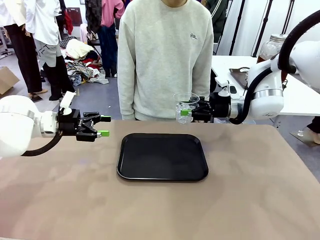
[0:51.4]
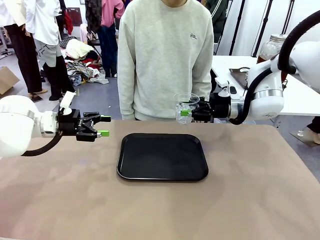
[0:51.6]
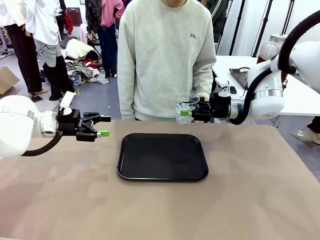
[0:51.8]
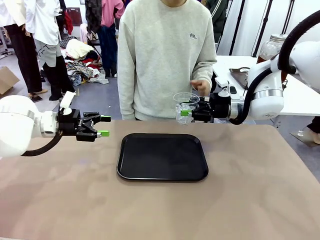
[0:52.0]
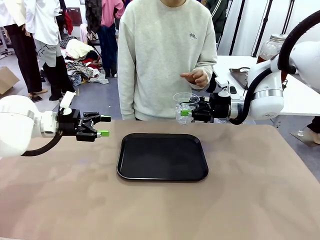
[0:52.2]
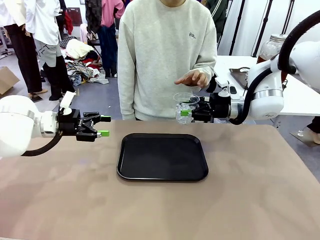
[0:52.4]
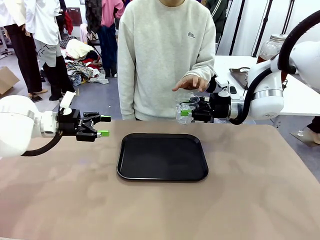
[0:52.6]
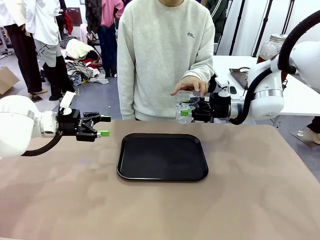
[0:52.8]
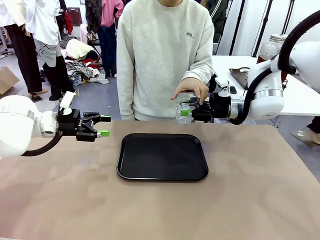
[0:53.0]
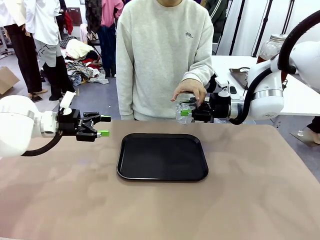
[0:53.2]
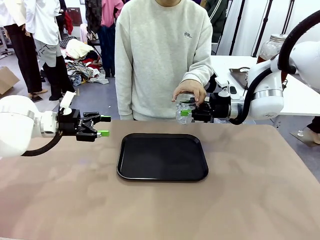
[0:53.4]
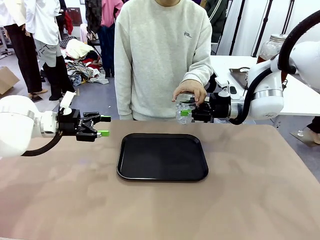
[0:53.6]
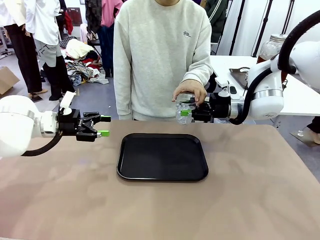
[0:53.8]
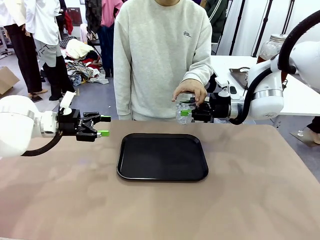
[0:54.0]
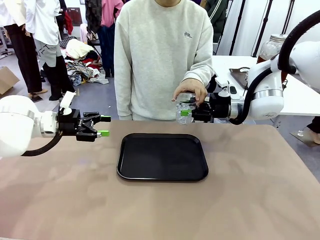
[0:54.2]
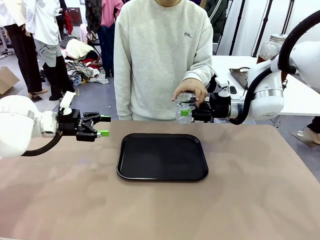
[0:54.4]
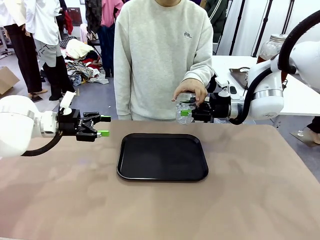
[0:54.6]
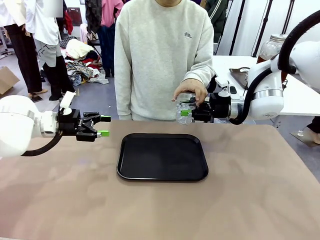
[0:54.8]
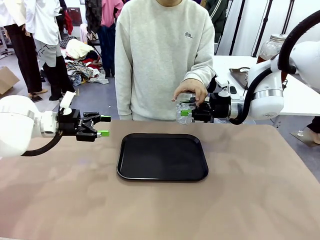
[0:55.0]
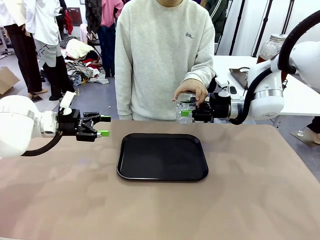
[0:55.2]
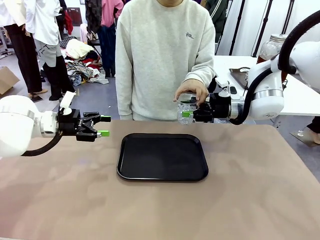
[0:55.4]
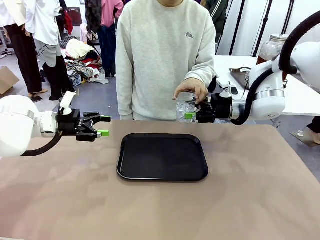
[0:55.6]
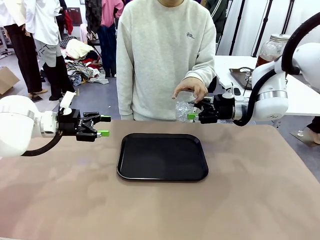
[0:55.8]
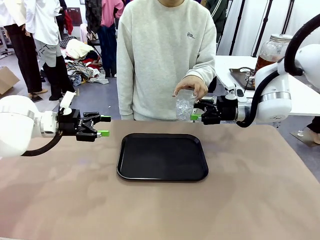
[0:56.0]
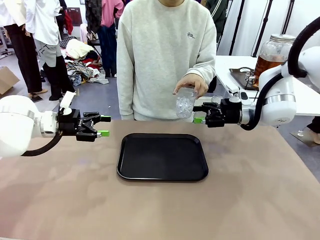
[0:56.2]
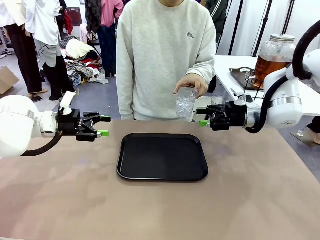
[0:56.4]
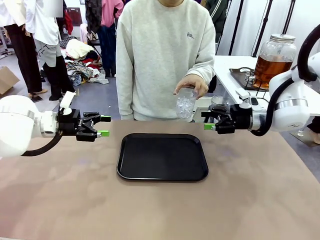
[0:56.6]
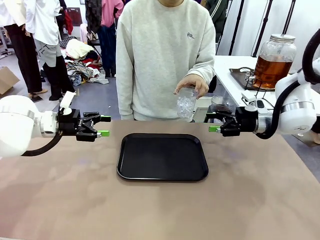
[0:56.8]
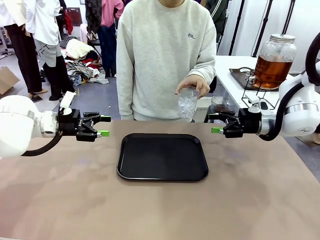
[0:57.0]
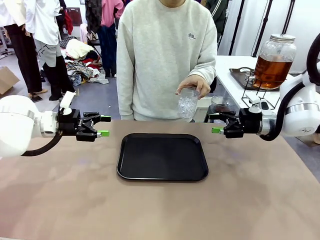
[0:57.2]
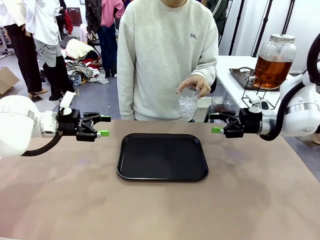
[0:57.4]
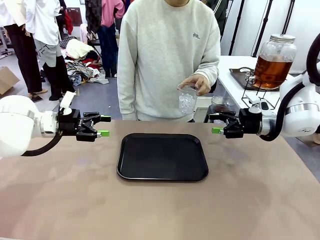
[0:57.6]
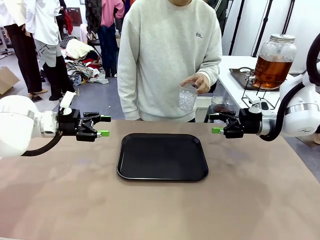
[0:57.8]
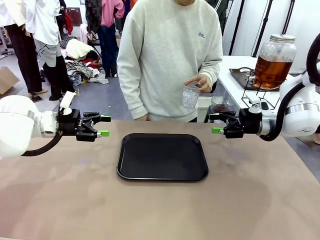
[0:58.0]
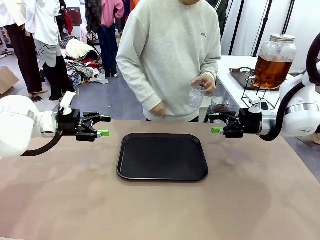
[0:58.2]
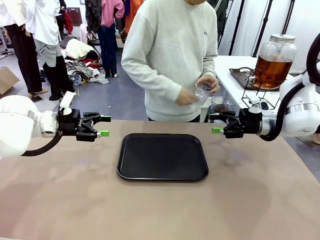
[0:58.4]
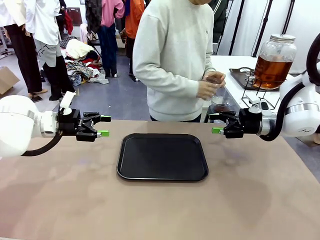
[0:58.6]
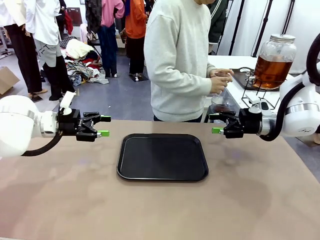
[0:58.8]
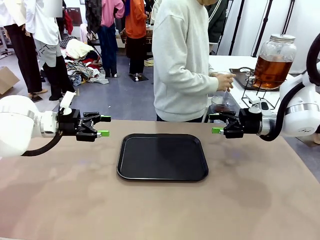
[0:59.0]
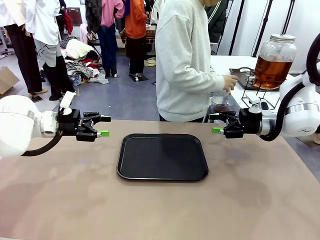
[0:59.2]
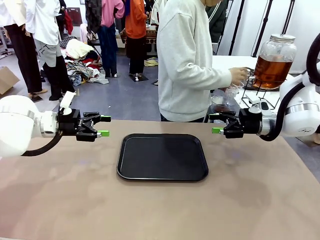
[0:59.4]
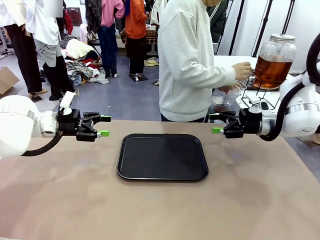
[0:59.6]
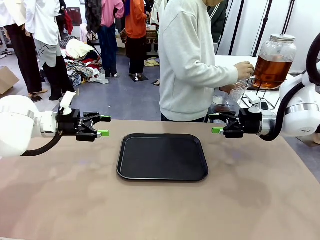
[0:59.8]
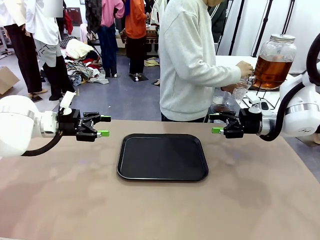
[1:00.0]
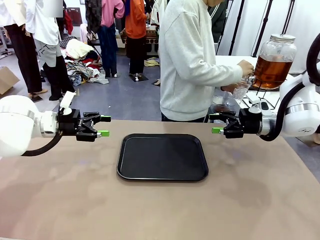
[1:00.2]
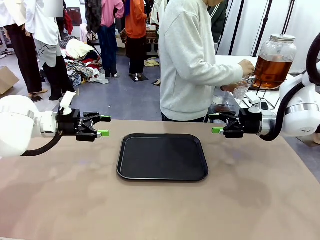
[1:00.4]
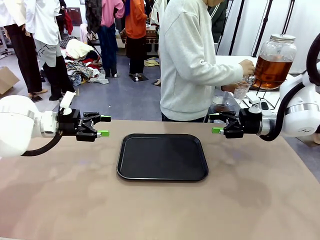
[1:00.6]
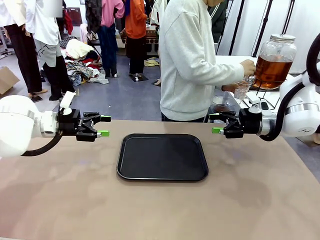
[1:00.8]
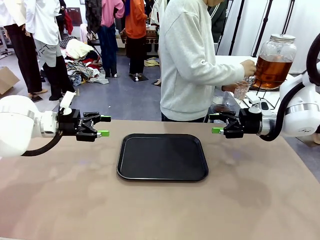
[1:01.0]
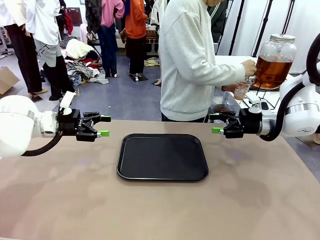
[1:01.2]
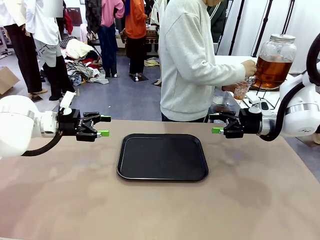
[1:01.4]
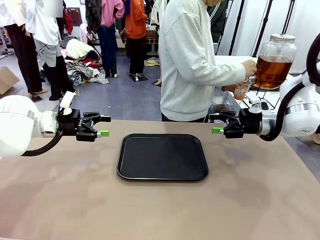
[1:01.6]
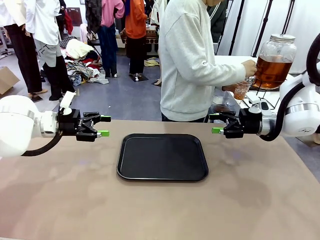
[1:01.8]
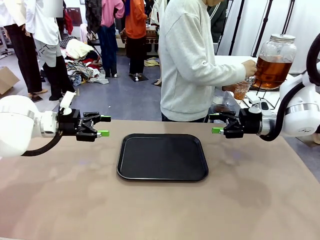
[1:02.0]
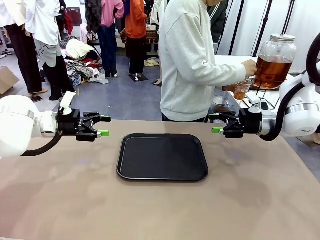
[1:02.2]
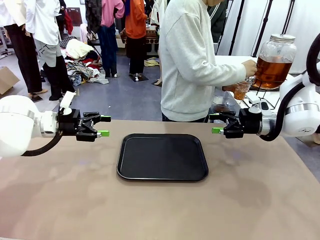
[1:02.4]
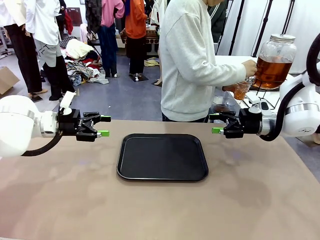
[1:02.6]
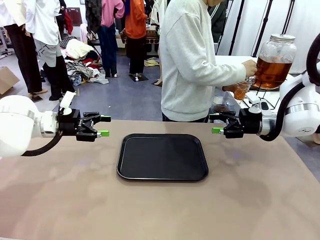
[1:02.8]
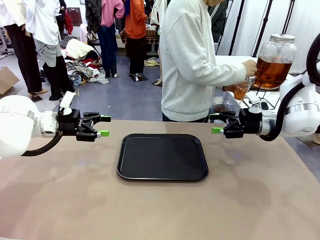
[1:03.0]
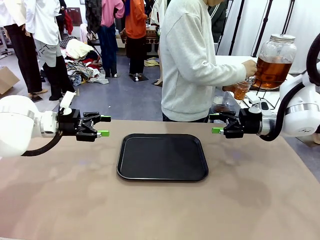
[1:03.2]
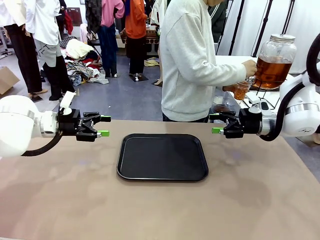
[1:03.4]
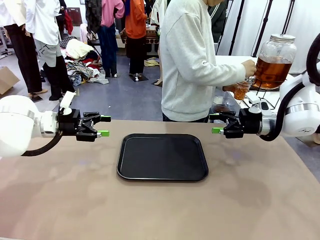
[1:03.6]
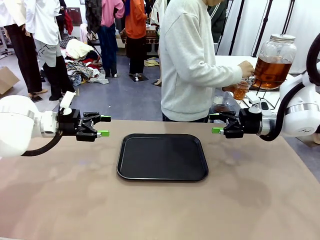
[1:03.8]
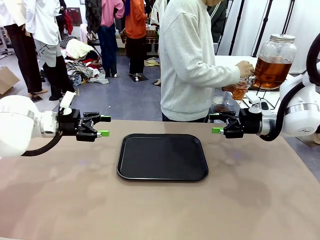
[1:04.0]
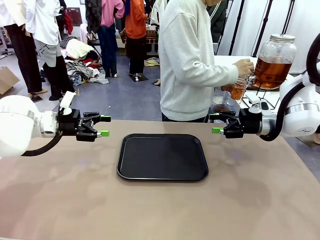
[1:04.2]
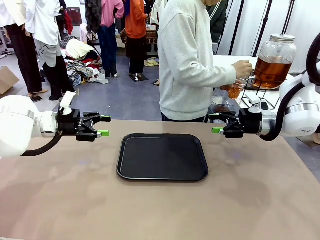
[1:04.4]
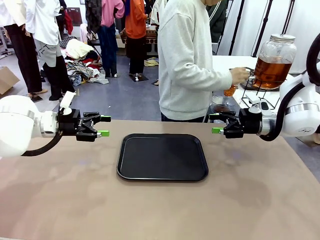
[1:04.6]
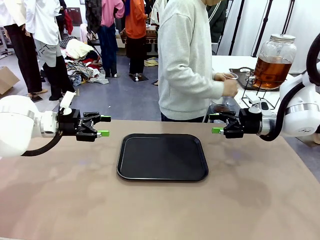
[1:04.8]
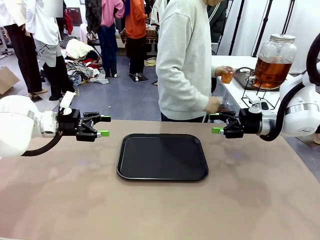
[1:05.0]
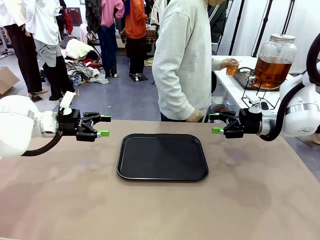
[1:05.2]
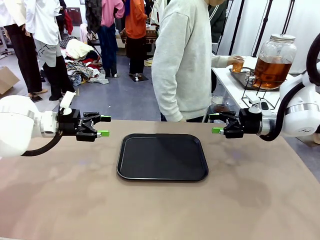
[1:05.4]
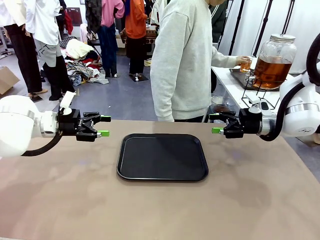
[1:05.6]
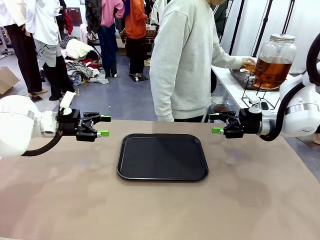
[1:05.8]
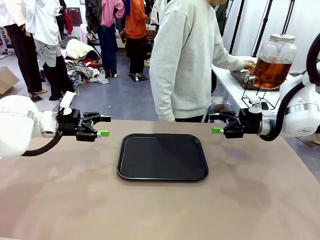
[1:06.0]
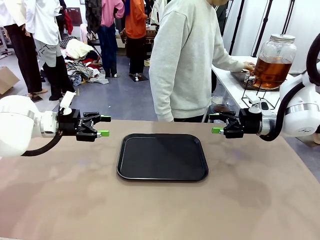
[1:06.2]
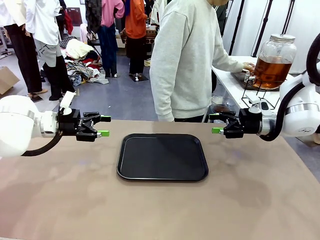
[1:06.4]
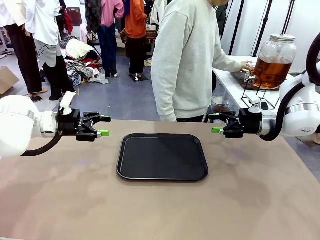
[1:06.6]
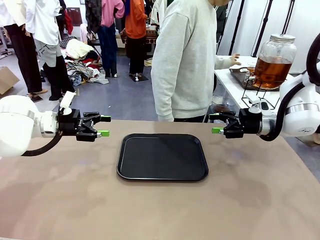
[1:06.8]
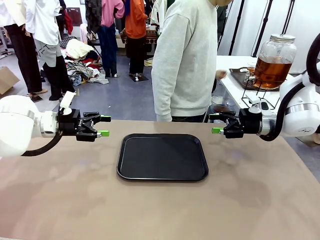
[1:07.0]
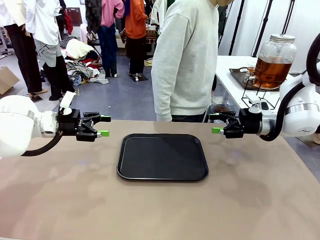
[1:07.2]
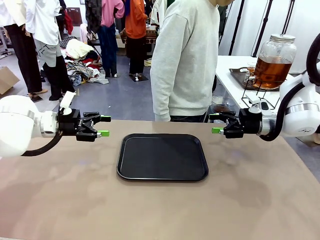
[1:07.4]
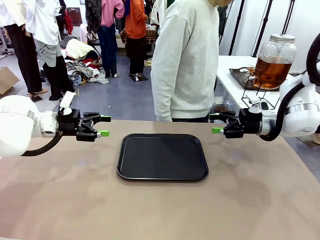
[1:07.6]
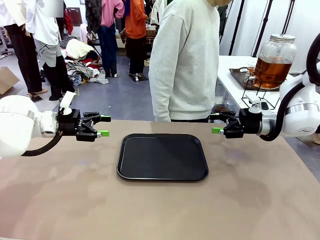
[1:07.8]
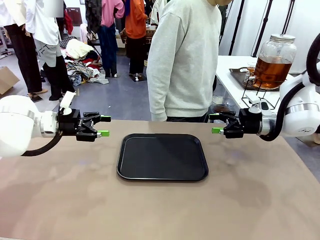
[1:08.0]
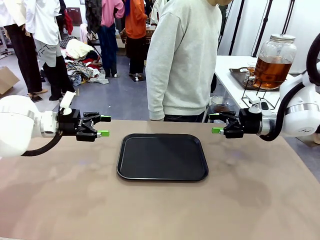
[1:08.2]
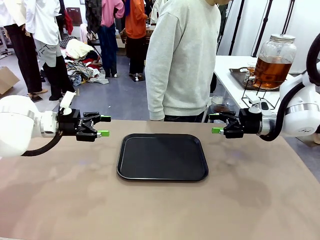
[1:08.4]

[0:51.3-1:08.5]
Task: Pour the drink into the iced cup.
Robot: Open the gripper to release the iced cup you were holding.
Person: Move the picked-up cup under the dispenser faucet, pour the drink, and place it on the tray on the human table.
